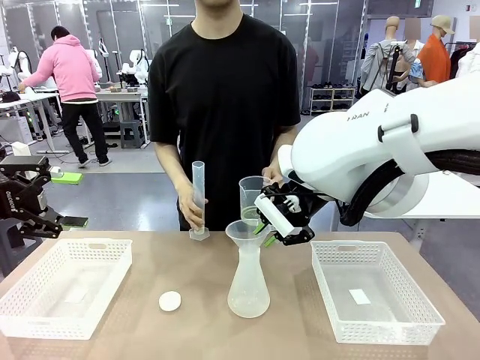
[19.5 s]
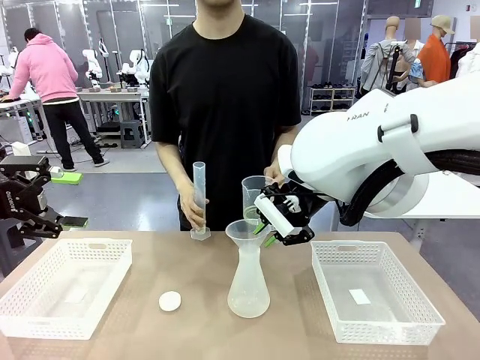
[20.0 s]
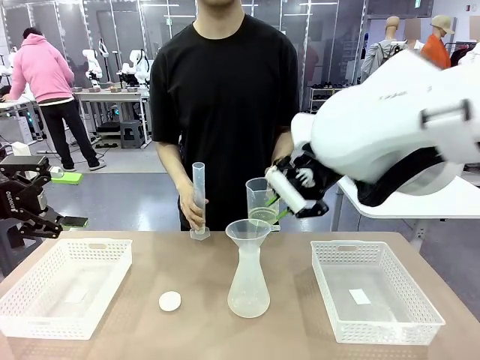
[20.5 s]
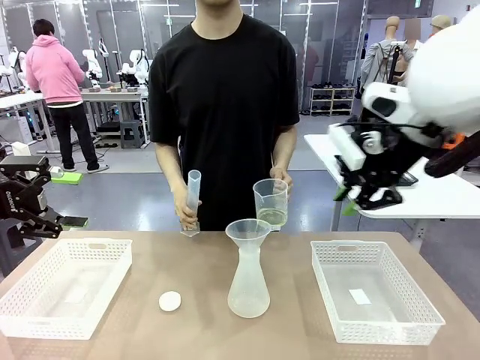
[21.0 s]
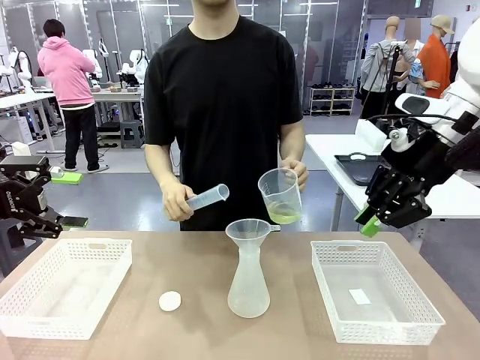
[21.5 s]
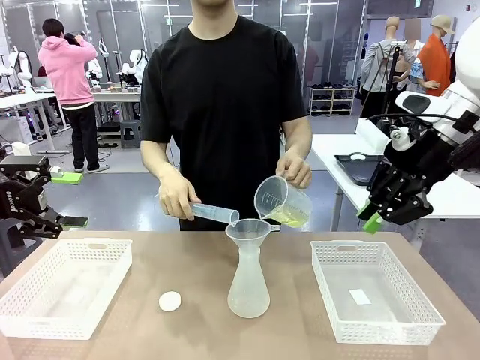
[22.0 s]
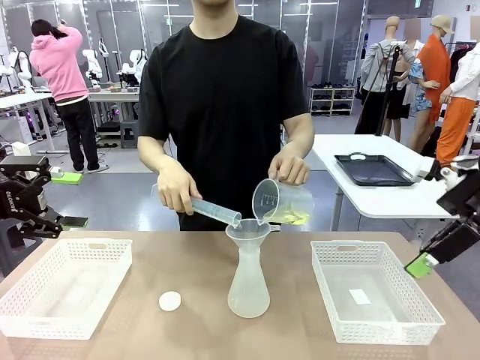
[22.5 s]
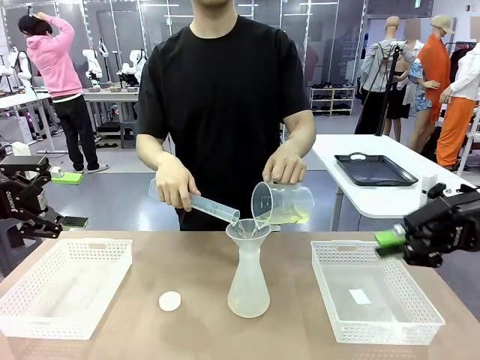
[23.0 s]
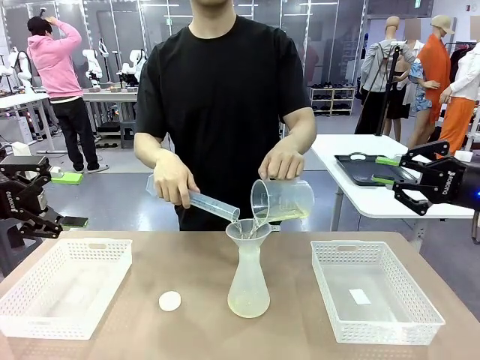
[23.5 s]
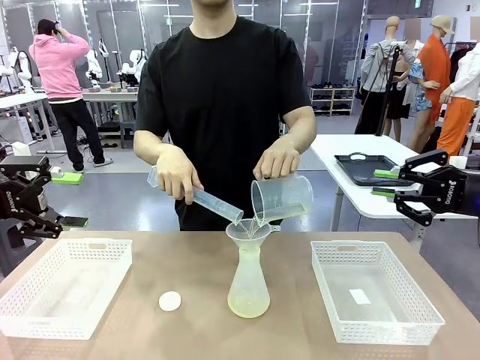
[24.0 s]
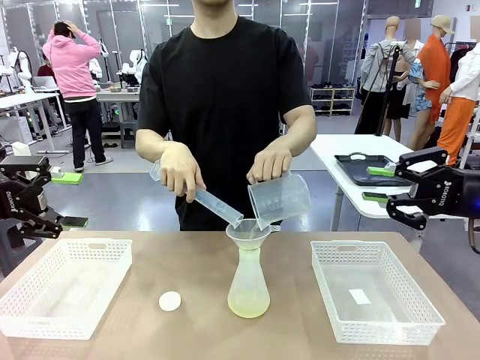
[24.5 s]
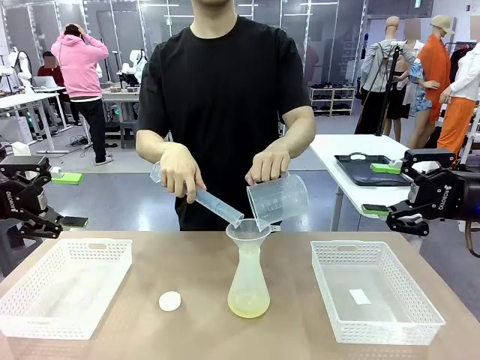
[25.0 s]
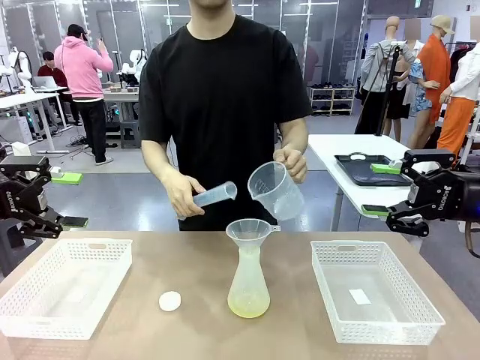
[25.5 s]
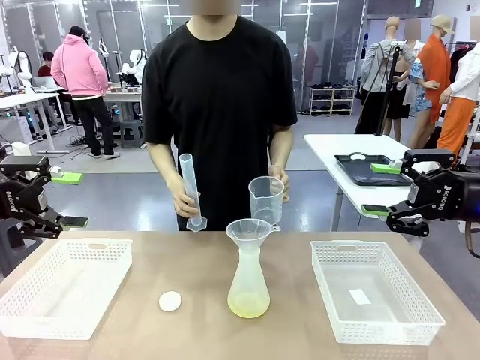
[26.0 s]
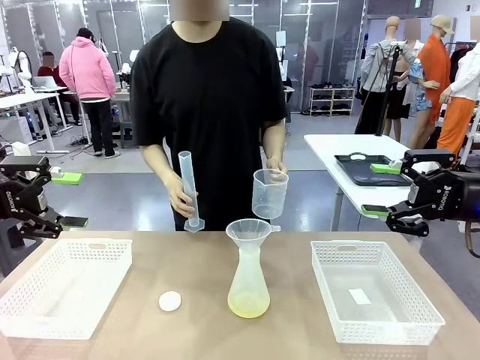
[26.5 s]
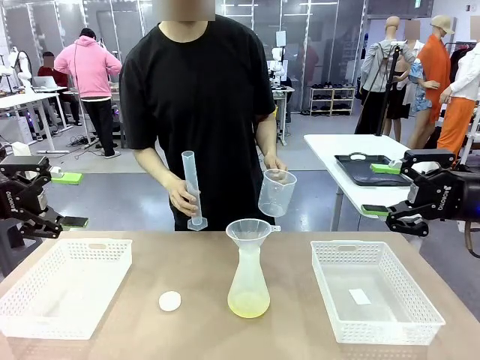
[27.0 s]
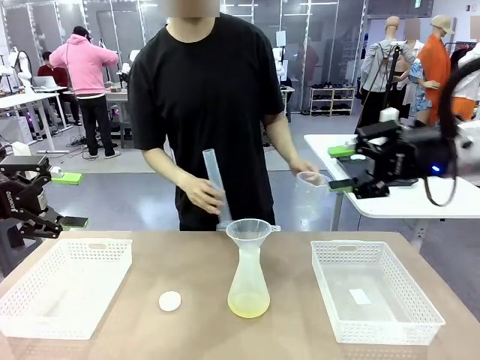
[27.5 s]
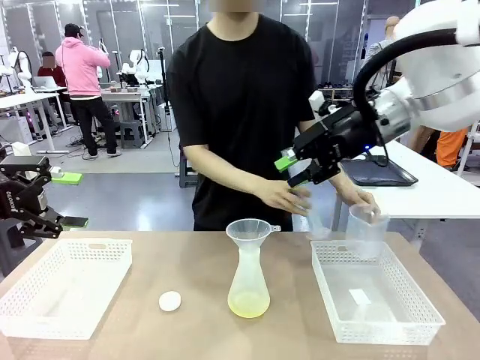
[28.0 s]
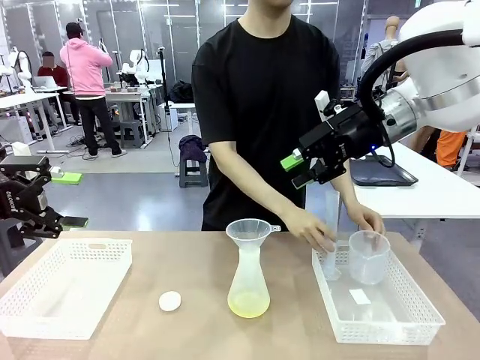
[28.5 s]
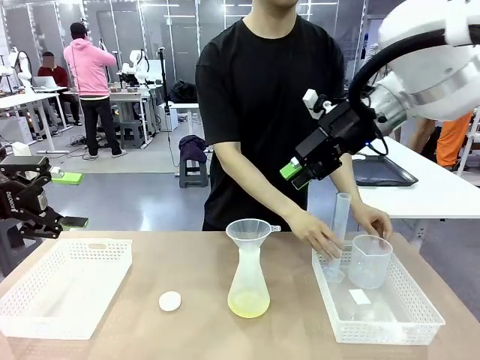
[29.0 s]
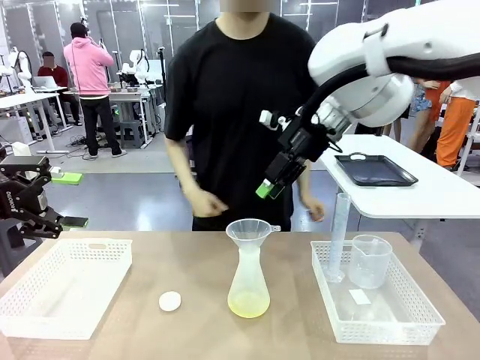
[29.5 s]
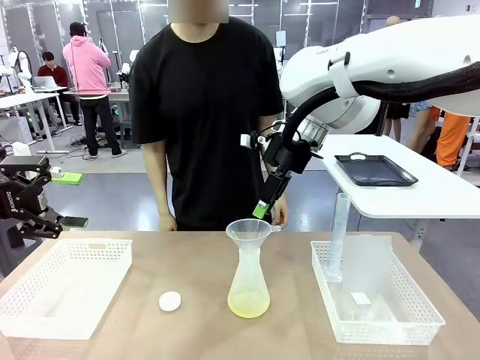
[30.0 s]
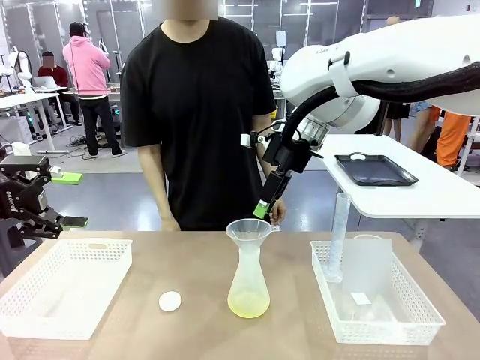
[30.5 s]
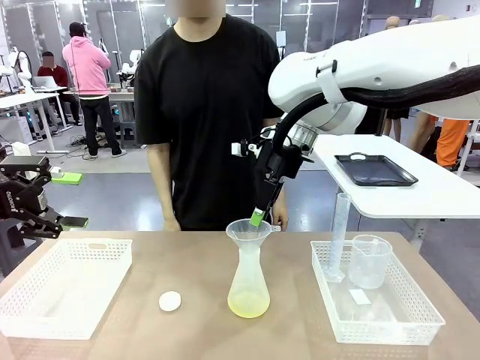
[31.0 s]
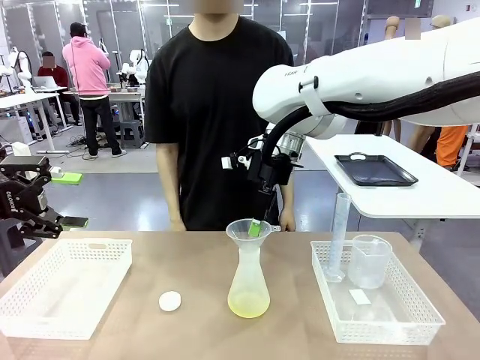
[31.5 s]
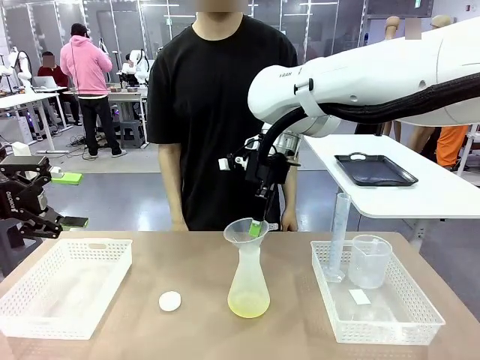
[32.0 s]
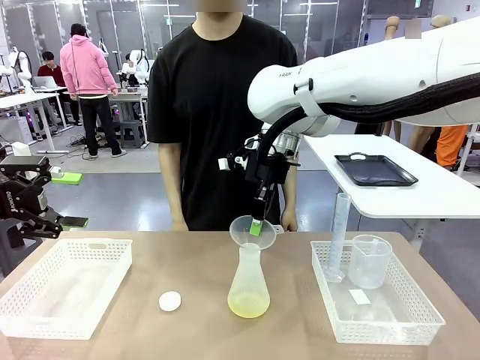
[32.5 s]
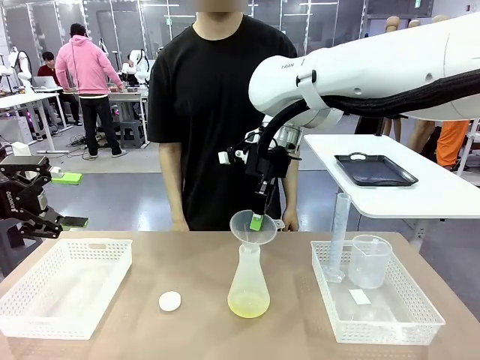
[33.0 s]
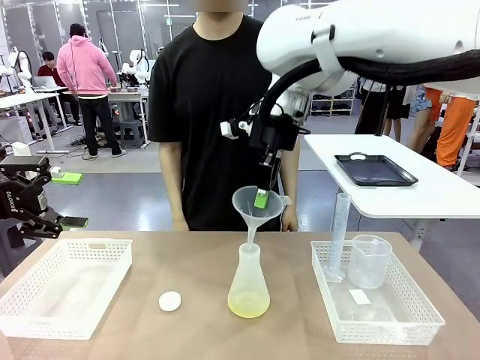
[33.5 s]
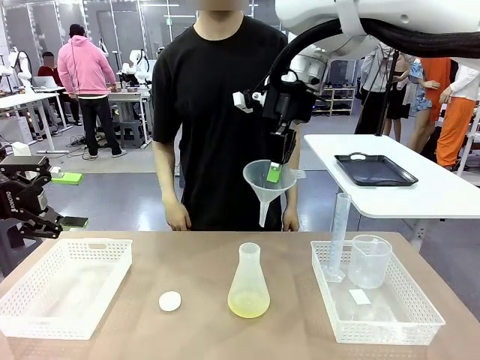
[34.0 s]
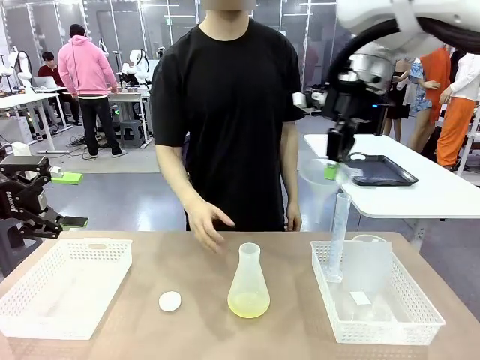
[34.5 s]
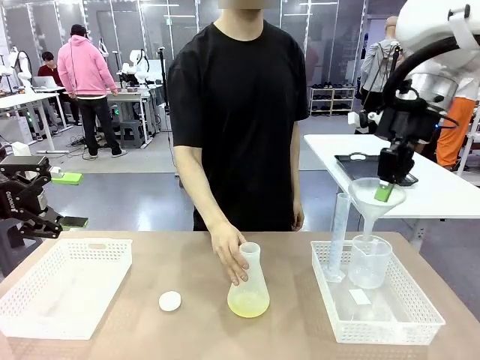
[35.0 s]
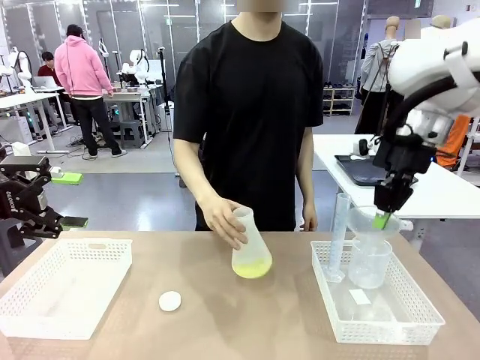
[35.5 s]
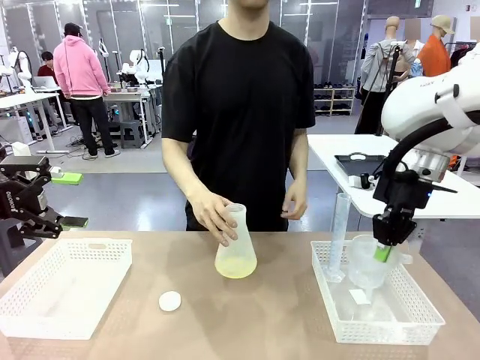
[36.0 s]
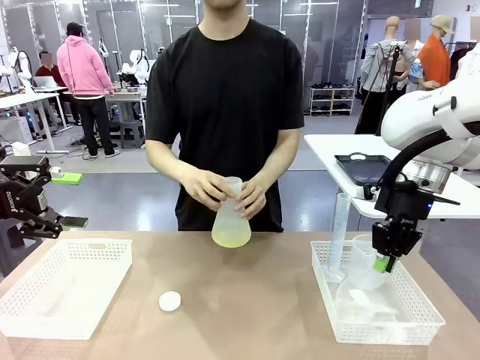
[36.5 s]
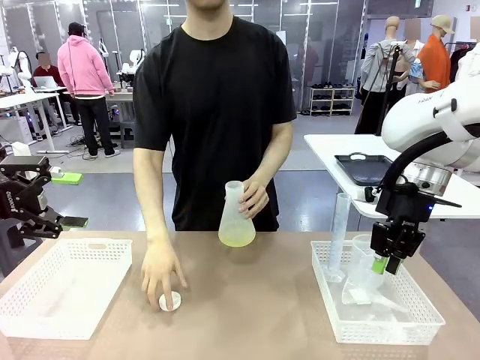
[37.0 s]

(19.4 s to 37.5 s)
Task: Prepare the solutions needed for the experiment.
Robot: Once the solution is in the Big flask , pick up the Plastic Funnel and place it back into the right Organizing basket.
Person: Place the beaker and the cylinder into the organizing basket on the left side. Pick up the flask, gently shake it 2–3 times, place it in the middle of the robot table, and close the lid.
